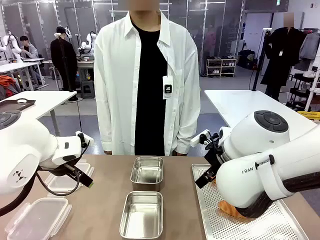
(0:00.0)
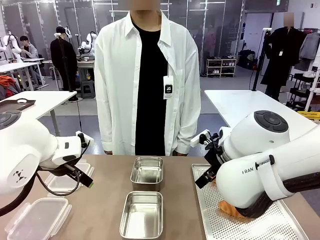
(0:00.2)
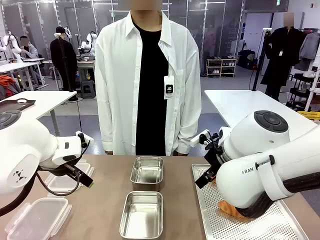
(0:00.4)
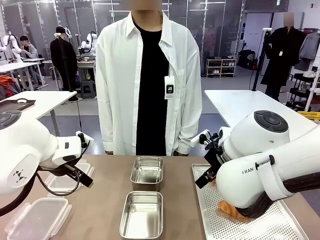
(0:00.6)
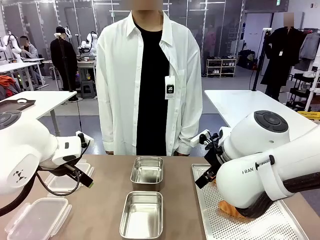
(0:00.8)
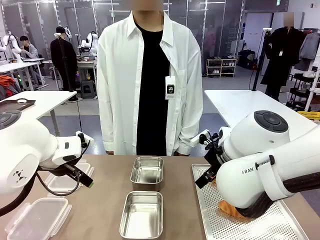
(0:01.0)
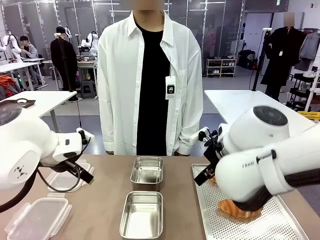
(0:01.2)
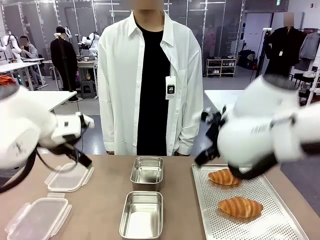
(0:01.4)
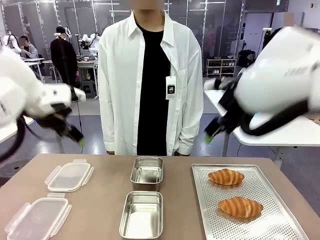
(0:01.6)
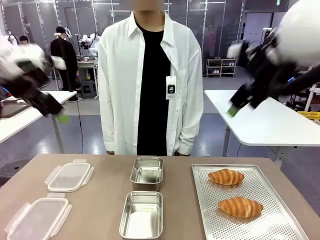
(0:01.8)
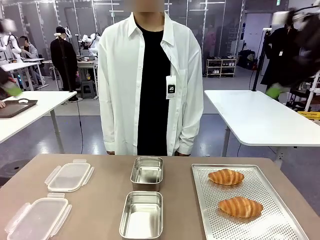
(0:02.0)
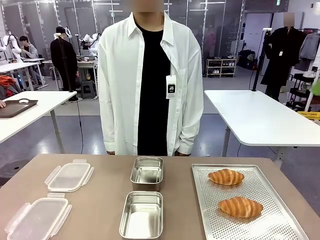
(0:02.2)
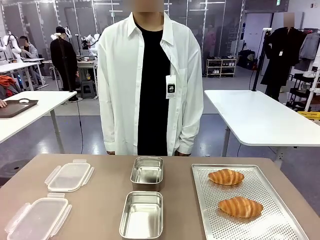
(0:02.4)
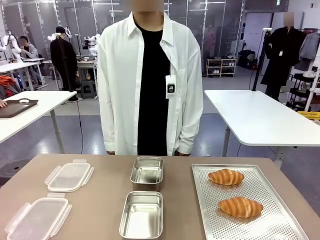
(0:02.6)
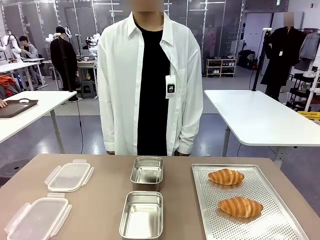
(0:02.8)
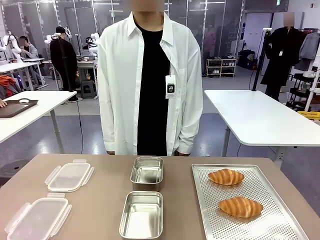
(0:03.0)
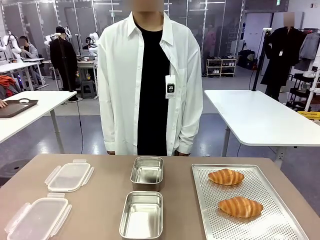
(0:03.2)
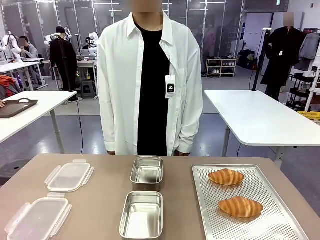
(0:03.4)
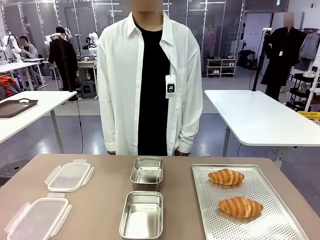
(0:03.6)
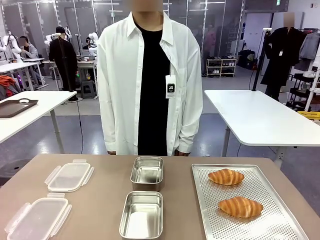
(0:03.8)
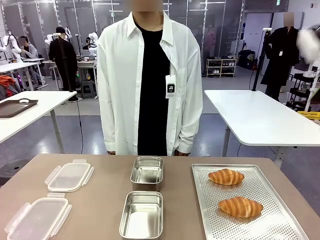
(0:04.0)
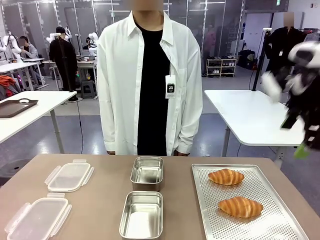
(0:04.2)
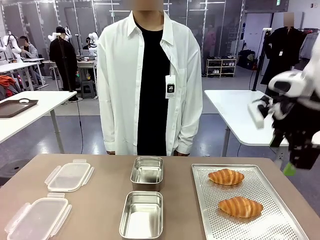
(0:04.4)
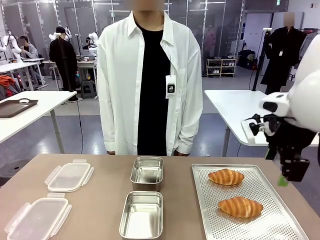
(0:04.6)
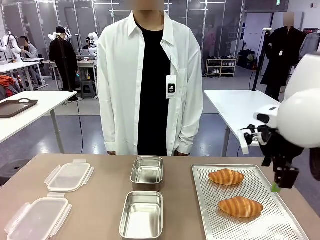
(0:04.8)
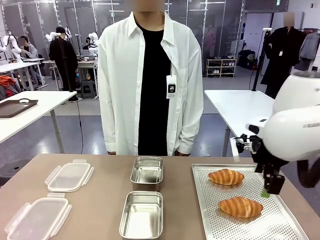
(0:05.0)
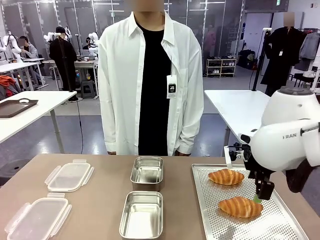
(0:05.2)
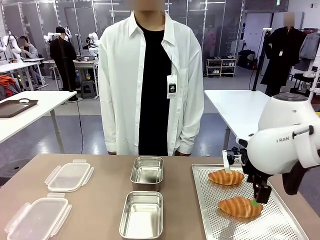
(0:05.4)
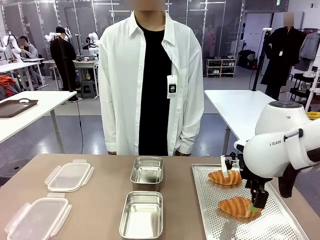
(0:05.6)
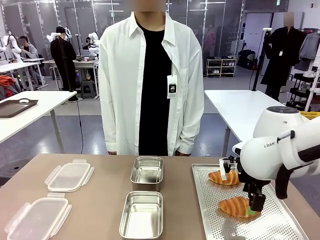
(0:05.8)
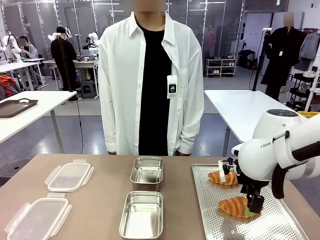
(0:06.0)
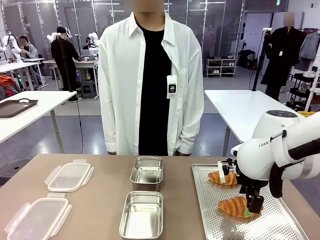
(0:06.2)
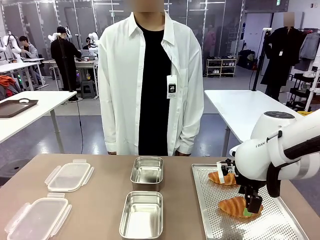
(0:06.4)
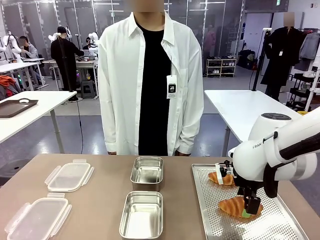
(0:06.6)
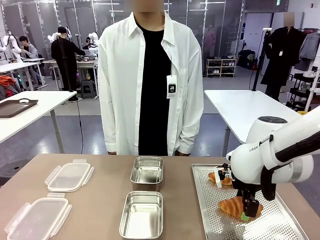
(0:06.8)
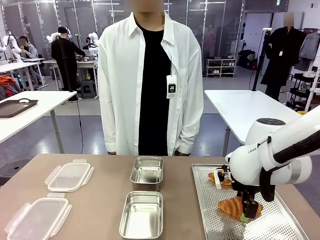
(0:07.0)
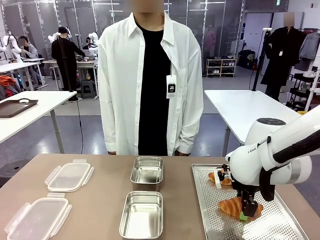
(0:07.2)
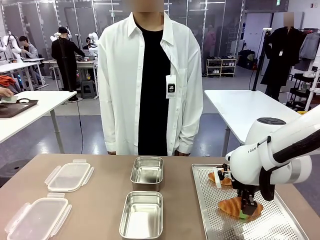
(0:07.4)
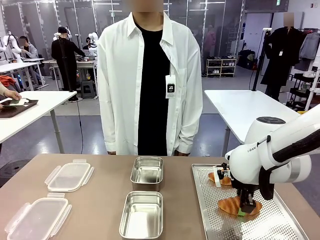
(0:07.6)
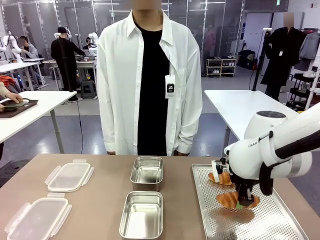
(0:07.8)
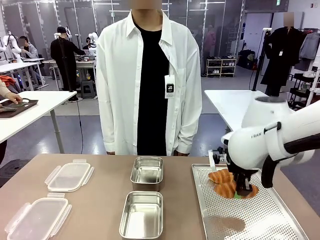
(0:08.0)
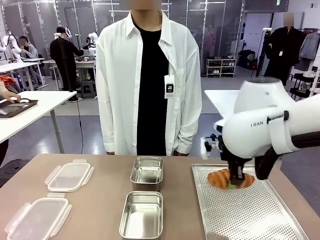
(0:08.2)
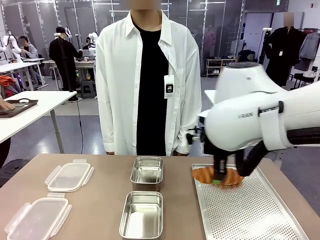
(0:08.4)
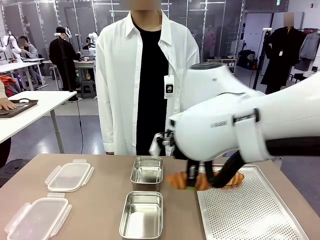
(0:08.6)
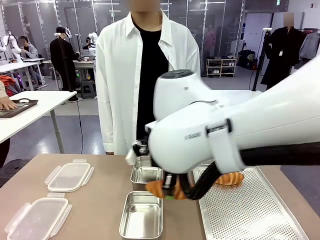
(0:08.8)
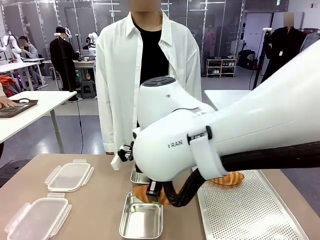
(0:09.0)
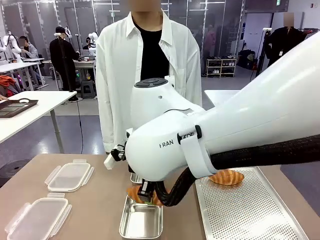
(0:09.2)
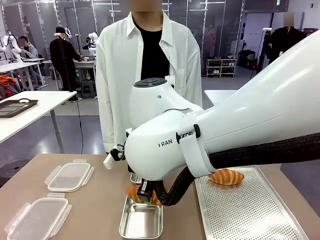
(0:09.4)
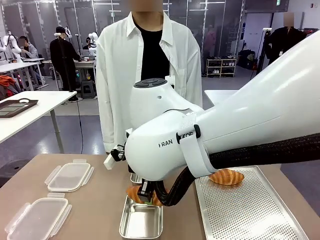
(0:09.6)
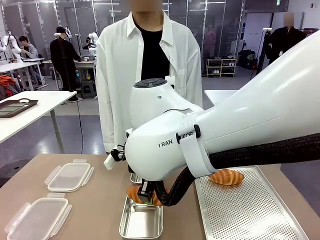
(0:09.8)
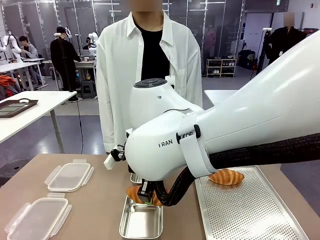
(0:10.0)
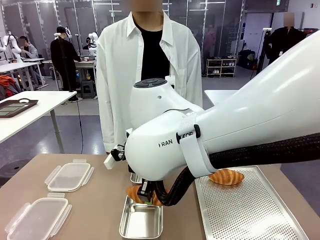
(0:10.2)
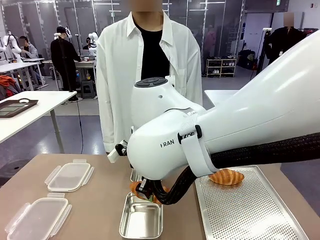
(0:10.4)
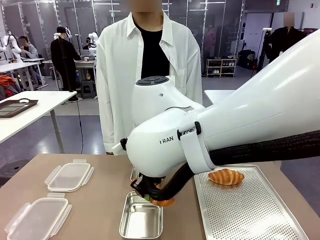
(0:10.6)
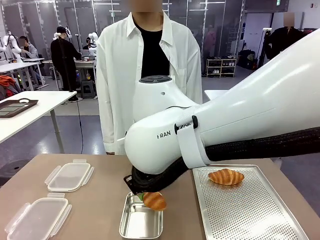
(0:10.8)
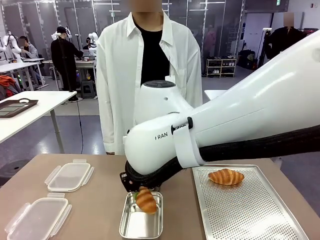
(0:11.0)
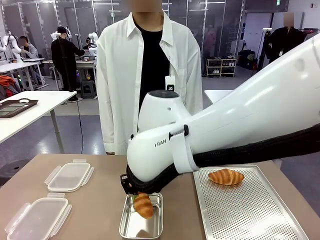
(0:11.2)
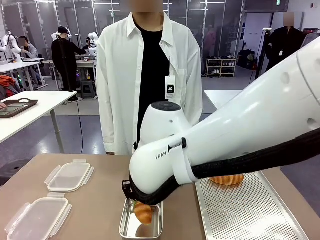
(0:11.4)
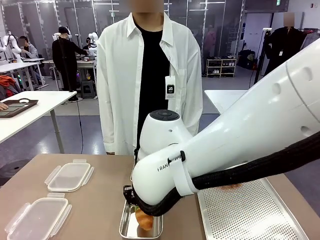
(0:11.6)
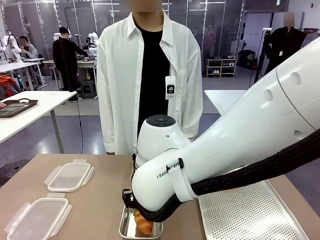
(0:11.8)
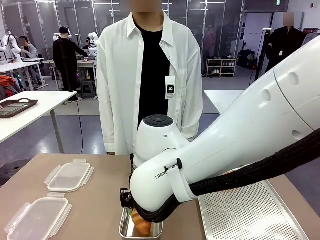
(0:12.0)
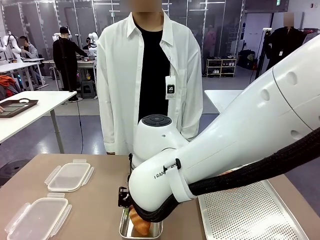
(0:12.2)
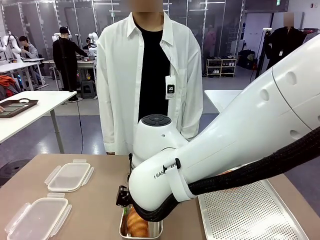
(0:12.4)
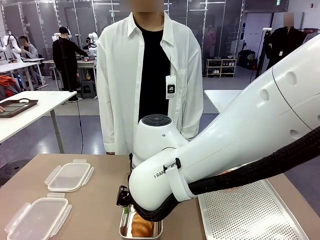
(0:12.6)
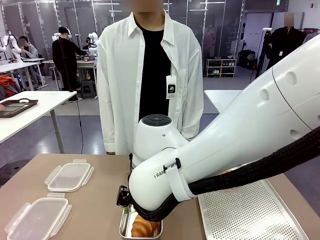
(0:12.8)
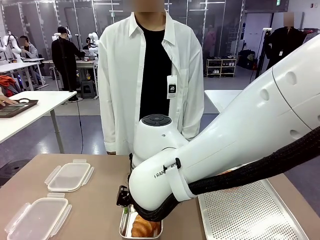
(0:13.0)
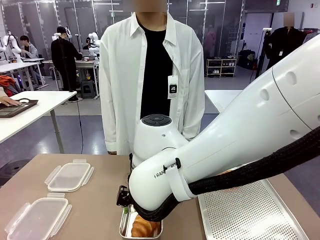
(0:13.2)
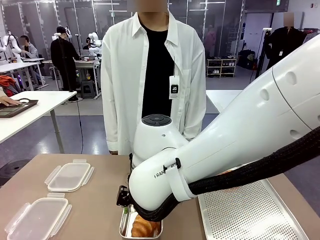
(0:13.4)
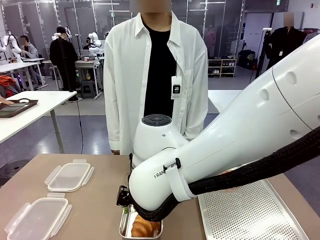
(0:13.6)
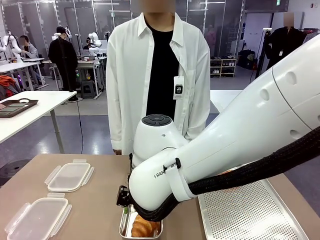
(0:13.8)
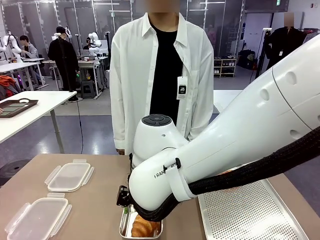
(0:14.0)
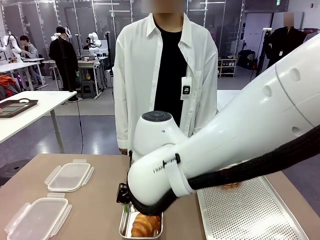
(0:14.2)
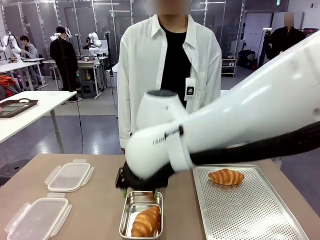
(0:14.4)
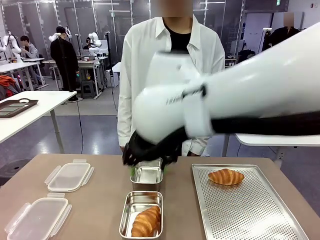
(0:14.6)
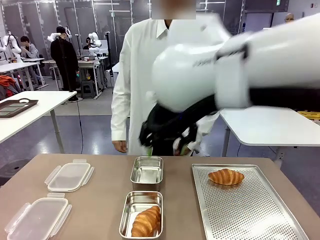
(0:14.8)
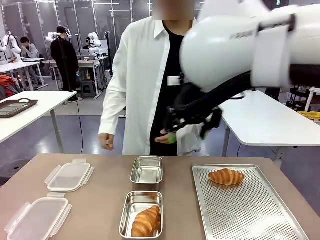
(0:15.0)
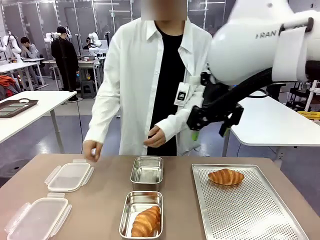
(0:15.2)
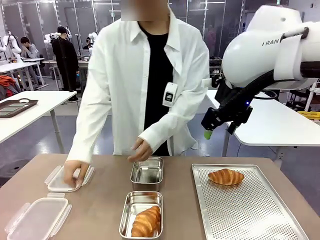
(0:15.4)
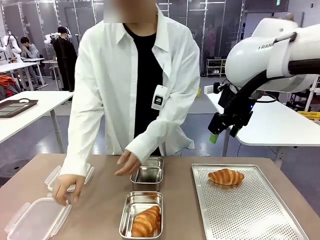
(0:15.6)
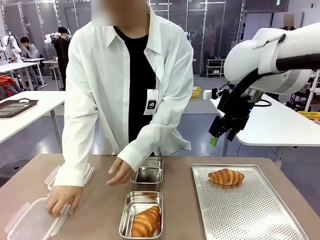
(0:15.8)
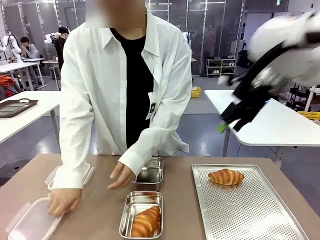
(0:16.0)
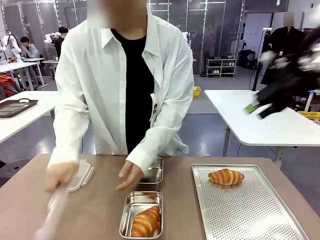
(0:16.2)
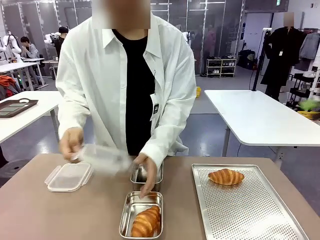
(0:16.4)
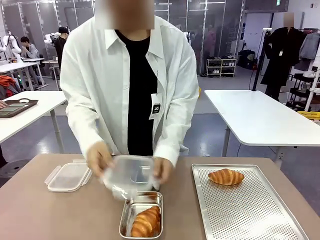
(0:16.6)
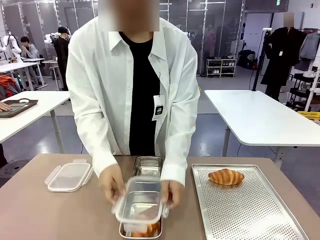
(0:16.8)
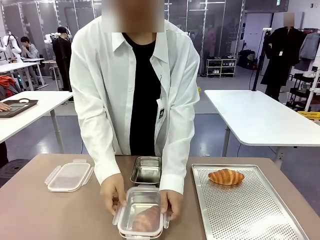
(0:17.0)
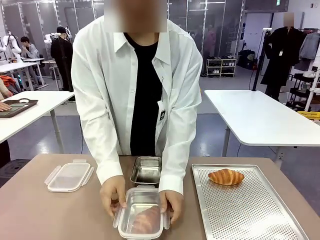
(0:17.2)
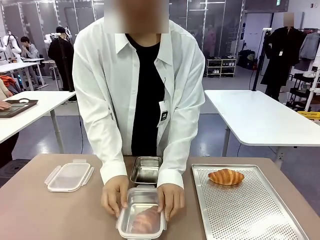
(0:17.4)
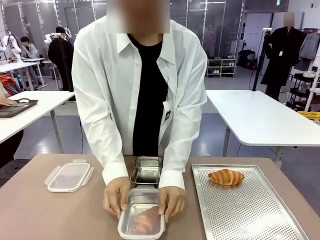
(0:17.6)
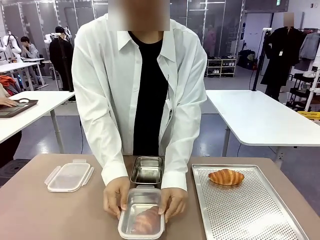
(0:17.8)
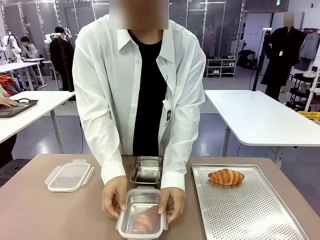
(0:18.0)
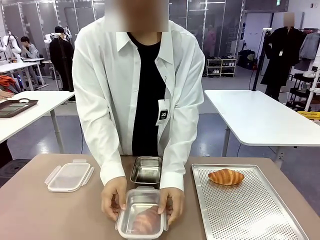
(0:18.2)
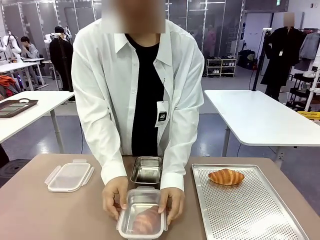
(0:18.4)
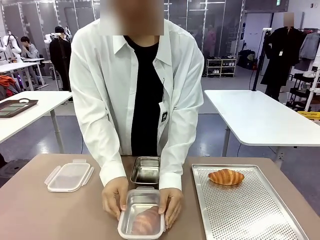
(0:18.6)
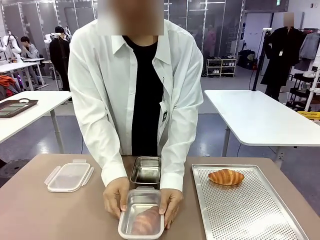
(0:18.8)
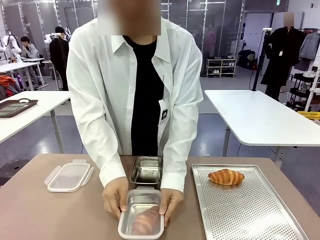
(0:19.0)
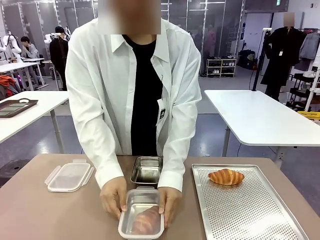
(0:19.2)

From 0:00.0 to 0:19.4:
Task: Place the bread into the airtight container.
Robot: Pick up a Butter Roll and place it into an empty Airtight Container.
